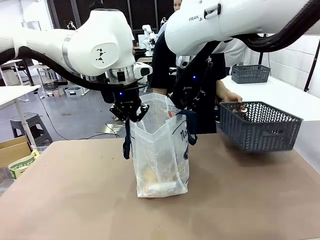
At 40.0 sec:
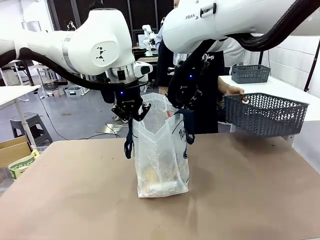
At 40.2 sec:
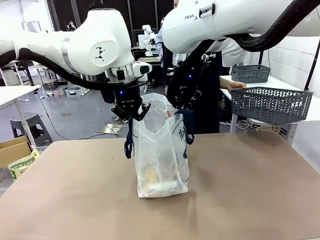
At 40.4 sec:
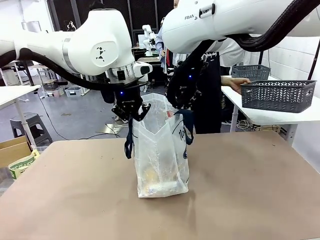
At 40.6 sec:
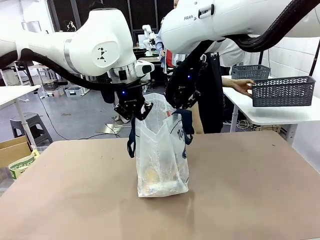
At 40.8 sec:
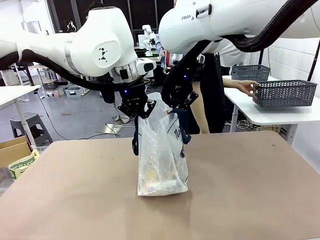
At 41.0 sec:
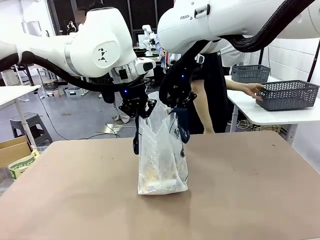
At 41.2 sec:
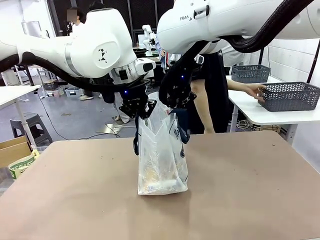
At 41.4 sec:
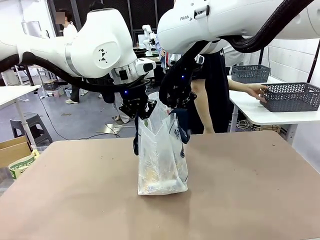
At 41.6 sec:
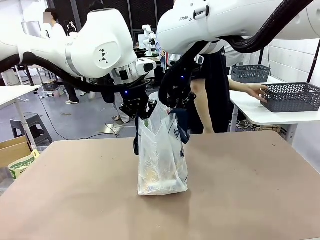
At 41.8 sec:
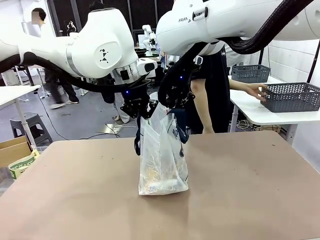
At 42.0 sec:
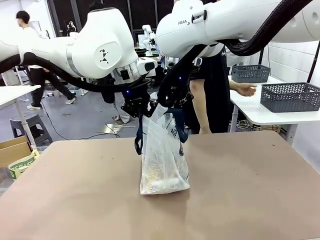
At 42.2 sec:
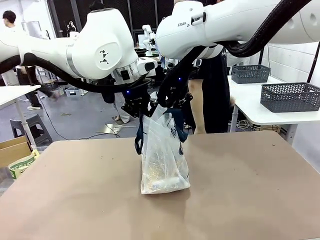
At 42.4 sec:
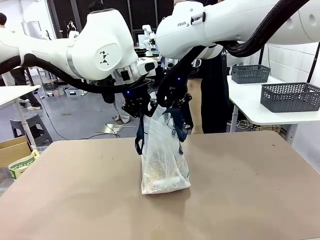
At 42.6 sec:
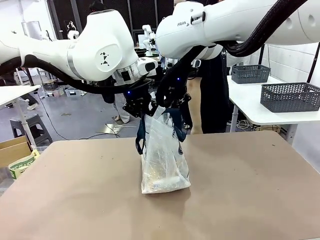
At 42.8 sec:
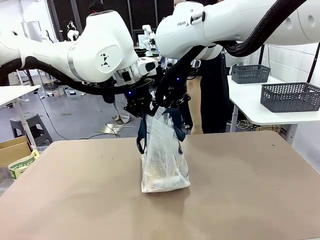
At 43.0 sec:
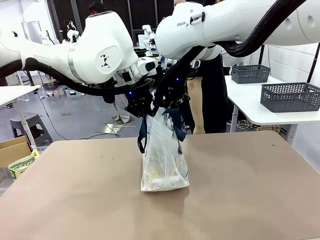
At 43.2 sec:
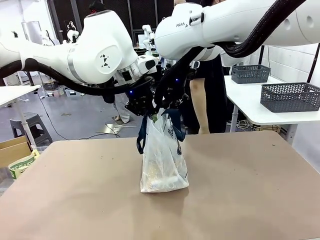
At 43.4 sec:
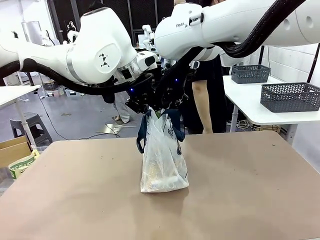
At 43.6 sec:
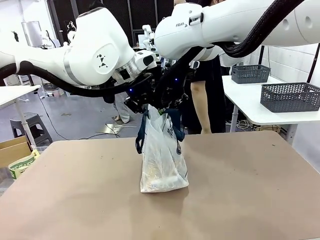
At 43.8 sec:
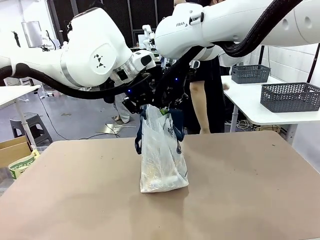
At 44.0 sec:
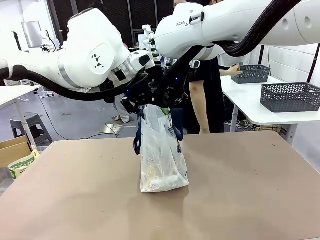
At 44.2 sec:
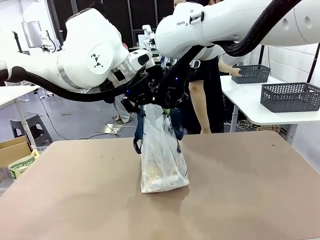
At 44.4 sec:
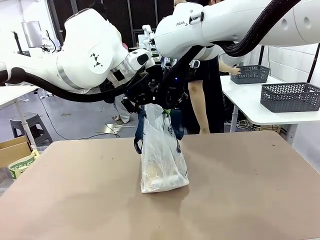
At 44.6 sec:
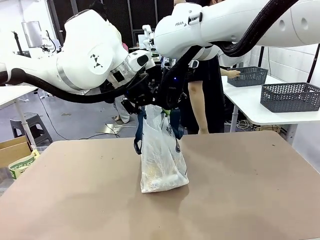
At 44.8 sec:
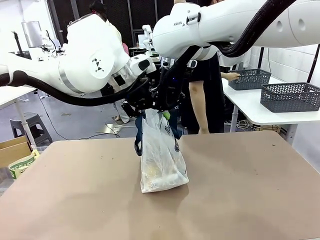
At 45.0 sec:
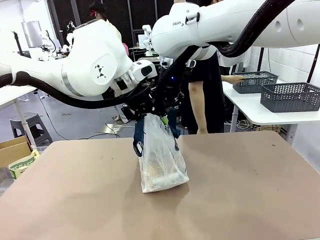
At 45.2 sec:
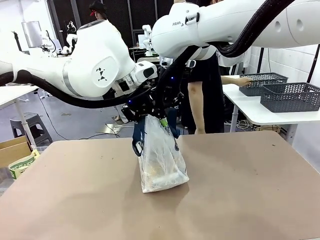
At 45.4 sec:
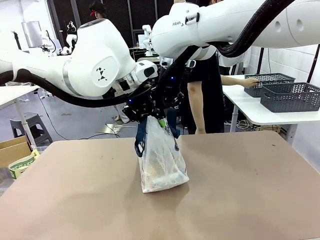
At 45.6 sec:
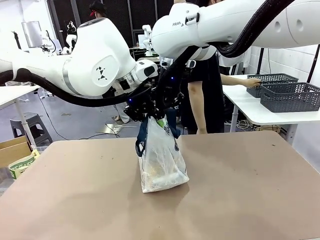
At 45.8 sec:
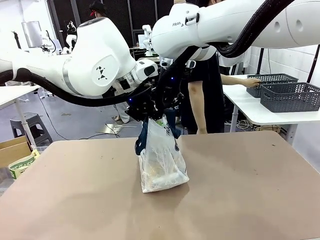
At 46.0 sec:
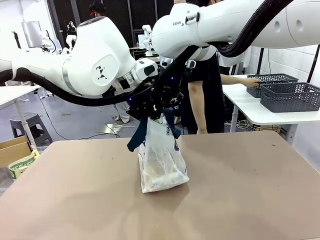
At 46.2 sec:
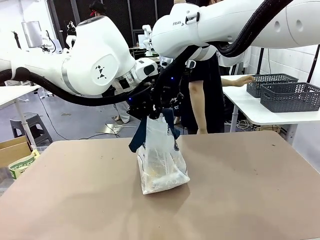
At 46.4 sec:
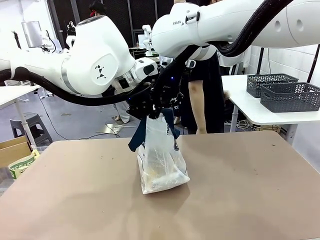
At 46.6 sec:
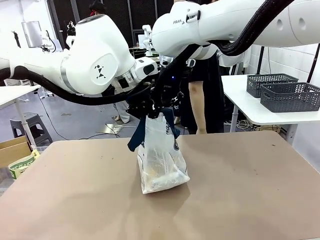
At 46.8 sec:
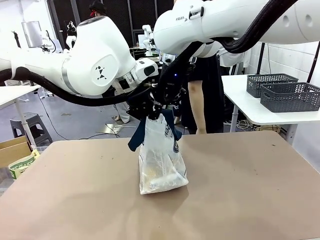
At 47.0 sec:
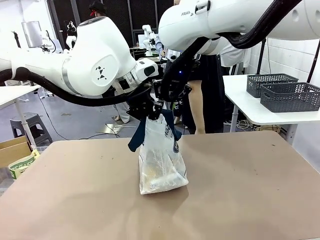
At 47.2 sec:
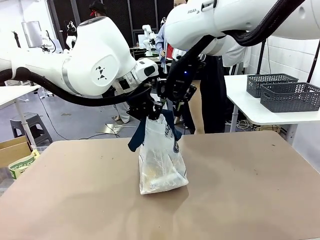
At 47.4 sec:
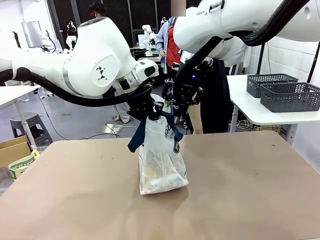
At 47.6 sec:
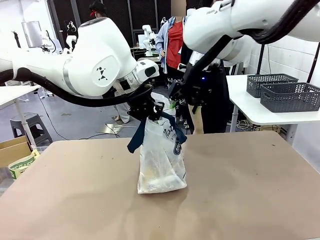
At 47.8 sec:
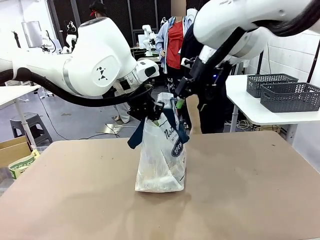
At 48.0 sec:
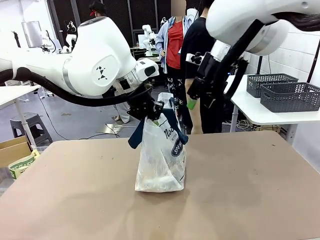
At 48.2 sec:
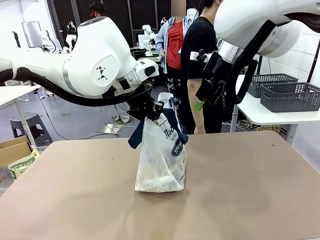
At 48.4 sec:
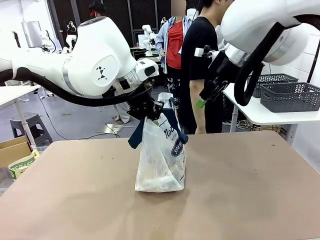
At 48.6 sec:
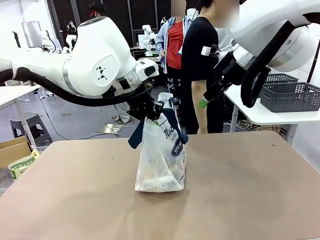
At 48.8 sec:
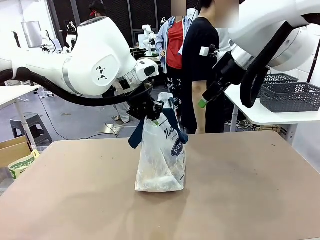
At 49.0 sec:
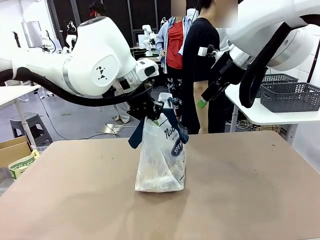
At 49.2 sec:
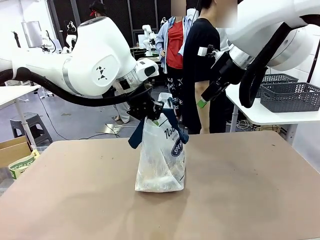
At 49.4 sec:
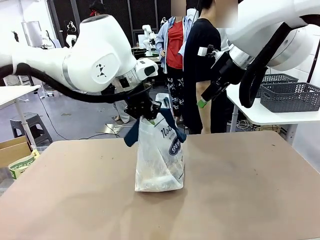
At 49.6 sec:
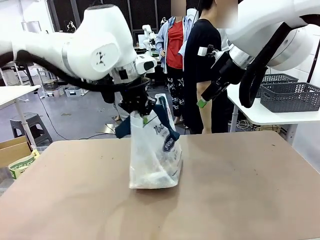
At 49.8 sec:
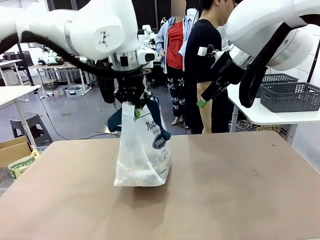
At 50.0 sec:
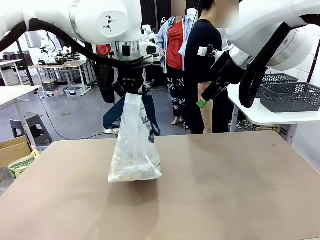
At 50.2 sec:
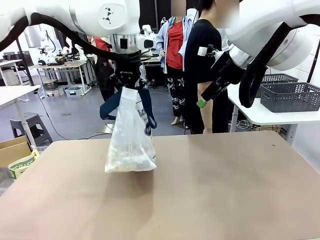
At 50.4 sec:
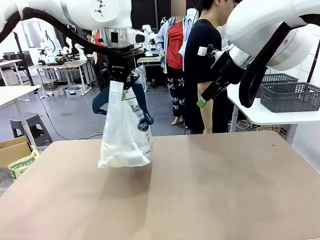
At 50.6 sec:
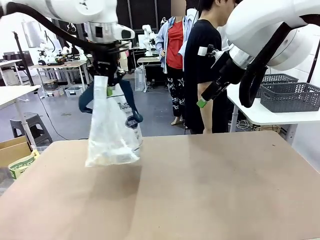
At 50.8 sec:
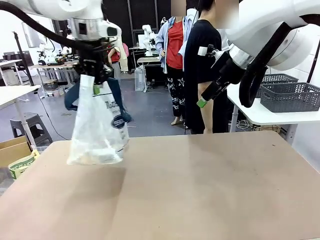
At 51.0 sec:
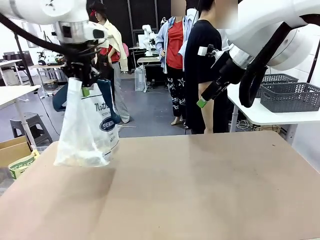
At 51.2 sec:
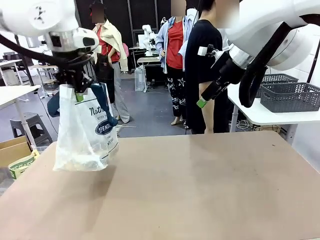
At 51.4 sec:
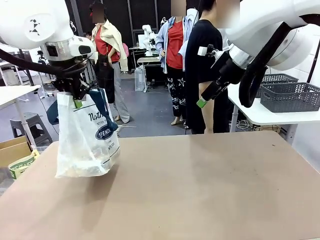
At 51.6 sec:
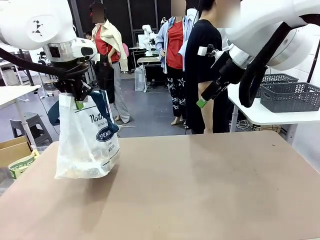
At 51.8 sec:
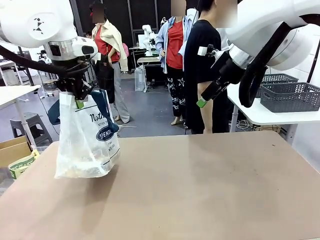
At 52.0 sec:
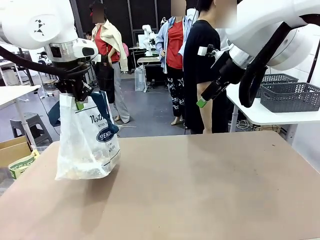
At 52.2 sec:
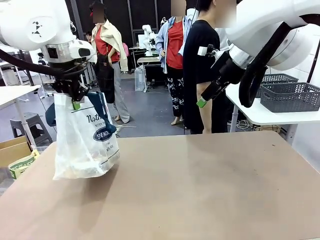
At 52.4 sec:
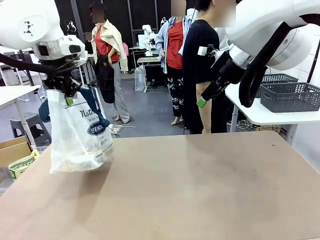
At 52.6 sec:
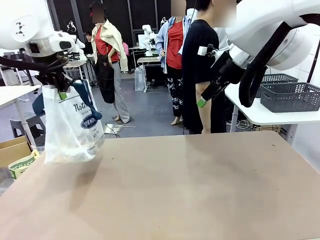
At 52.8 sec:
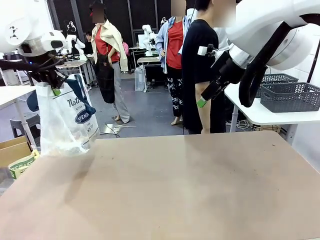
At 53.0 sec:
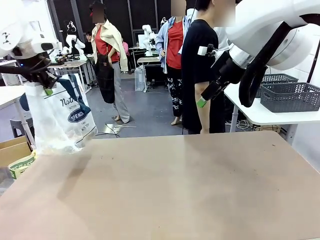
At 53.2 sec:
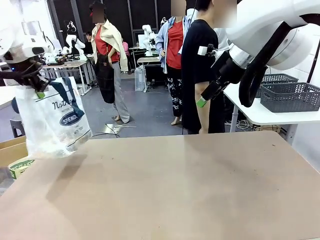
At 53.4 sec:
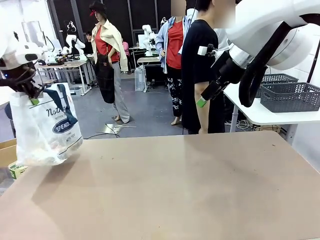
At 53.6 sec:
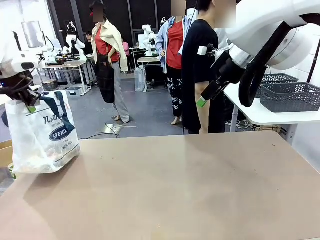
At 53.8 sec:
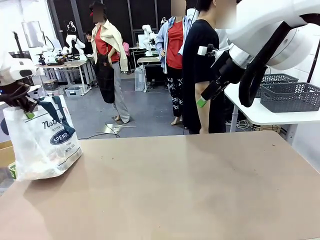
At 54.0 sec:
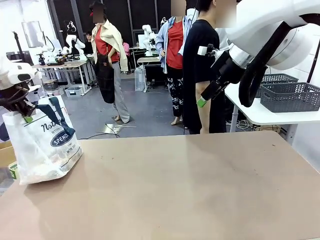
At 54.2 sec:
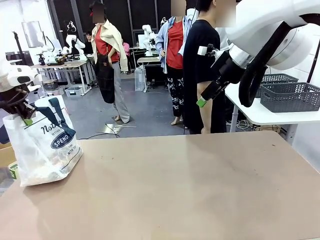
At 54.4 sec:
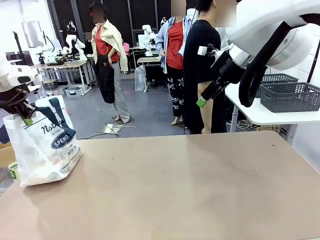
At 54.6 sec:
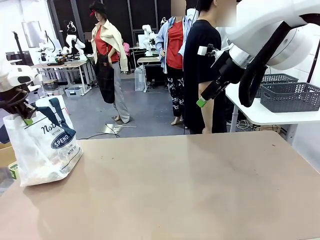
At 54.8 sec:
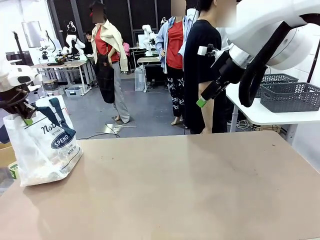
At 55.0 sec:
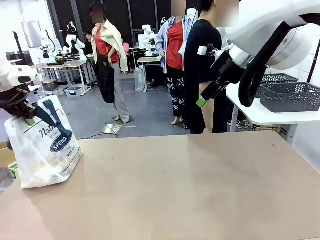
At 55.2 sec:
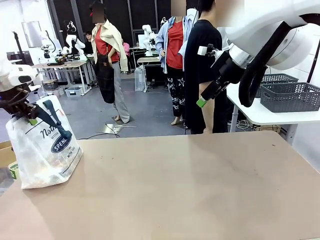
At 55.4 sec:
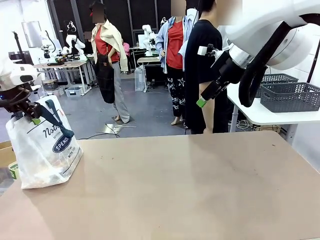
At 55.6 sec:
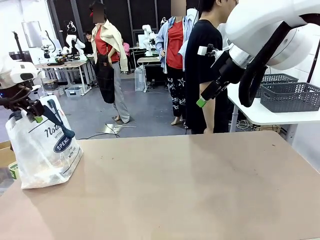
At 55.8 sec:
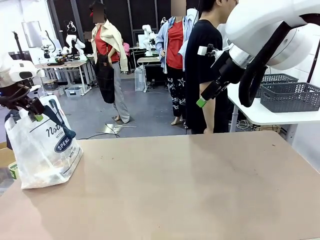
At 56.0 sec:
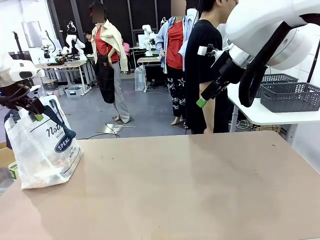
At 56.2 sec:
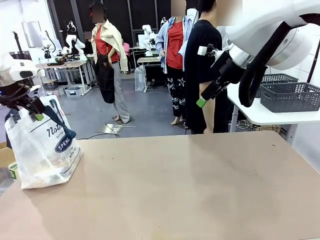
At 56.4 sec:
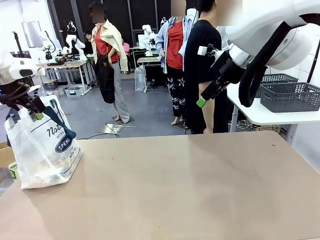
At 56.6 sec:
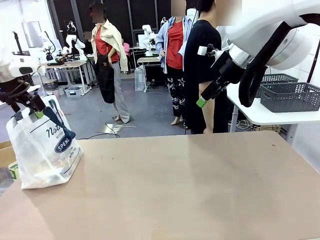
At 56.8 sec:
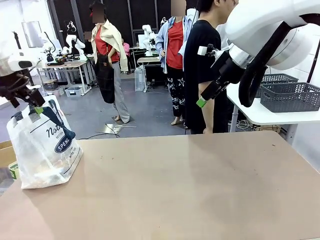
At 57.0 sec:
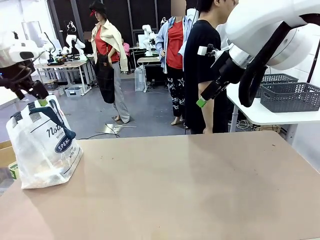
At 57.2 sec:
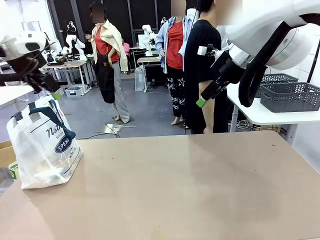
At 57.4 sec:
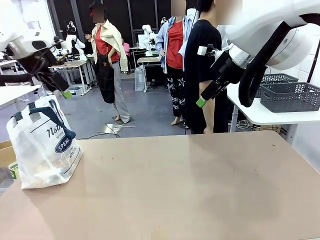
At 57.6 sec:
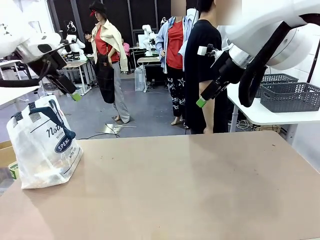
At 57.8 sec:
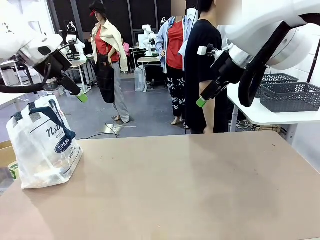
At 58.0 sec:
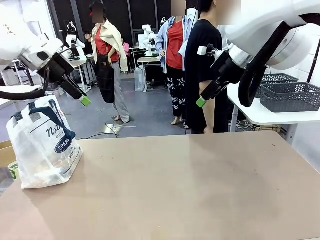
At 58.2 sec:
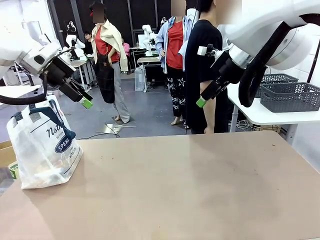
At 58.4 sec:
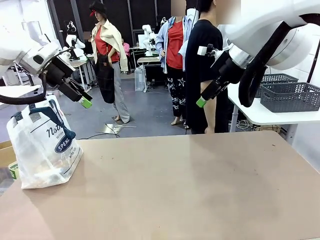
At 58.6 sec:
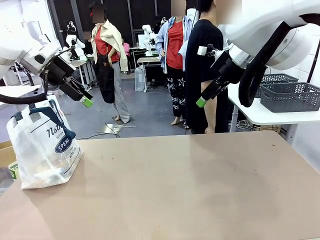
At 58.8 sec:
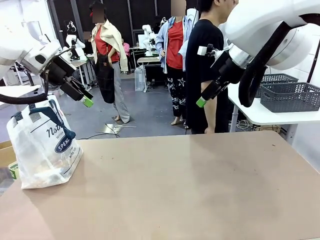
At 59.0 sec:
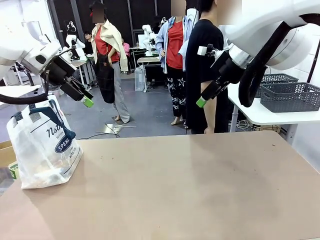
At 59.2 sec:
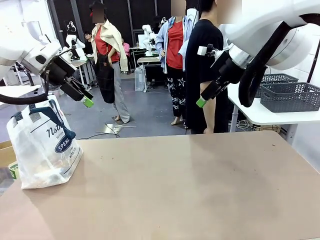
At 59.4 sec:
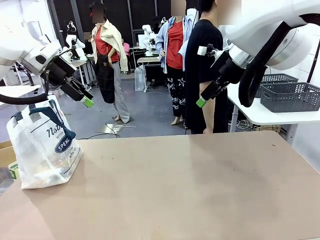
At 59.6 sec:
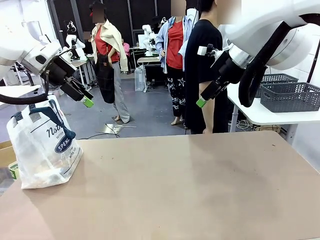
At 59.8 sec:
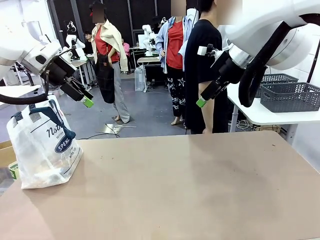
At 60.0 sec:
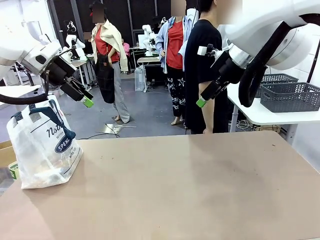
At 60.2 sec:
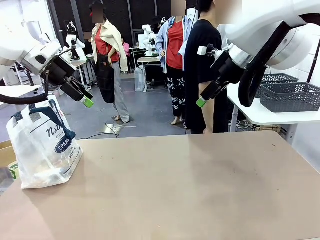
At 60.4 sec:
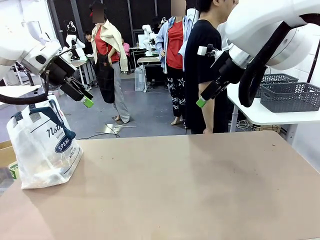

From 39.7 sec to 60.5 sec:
Task: Transfer purchased items from the store into the shopping bag.
Robot: Move the Reusable shopping bag to the right side of the table.
Person: Pick up the basket with the items out and place it on the right side of the human table. Move the basket on the left to the middle of the person's table.
